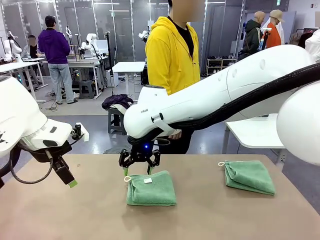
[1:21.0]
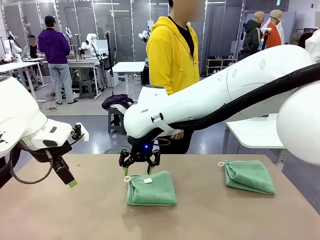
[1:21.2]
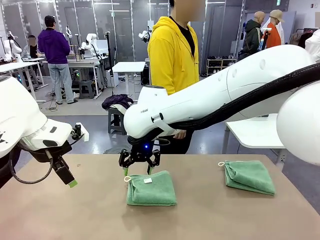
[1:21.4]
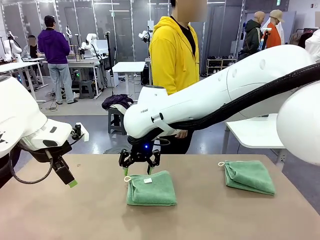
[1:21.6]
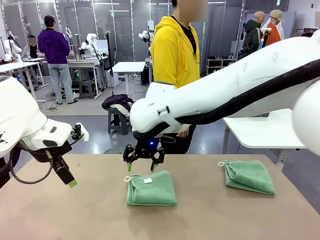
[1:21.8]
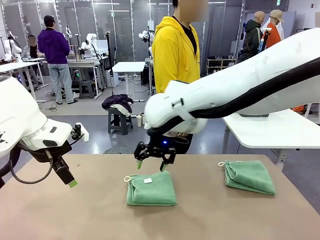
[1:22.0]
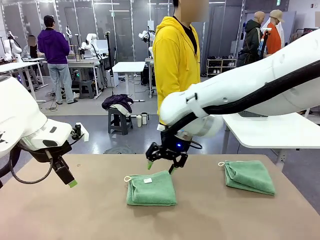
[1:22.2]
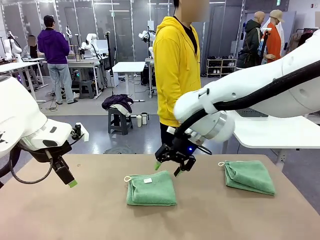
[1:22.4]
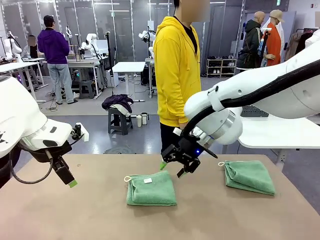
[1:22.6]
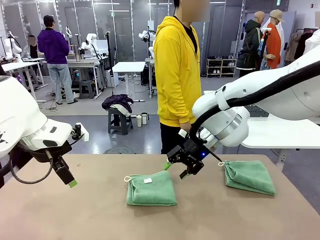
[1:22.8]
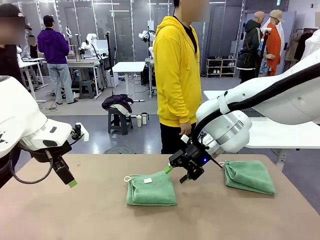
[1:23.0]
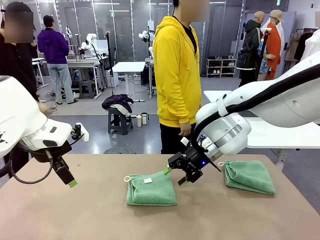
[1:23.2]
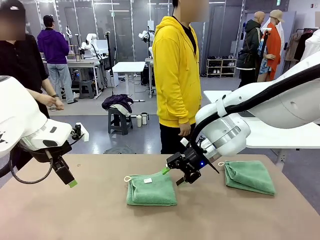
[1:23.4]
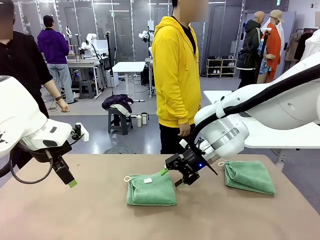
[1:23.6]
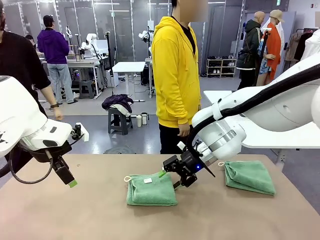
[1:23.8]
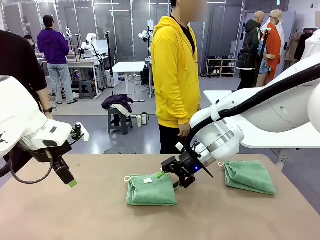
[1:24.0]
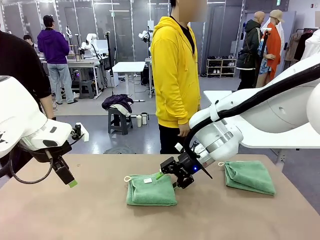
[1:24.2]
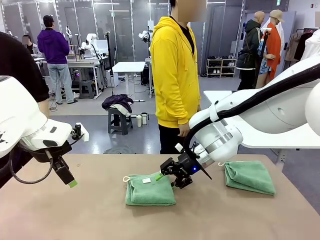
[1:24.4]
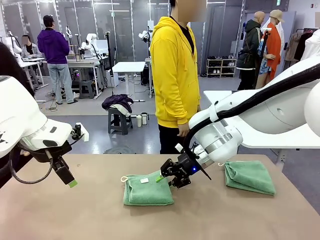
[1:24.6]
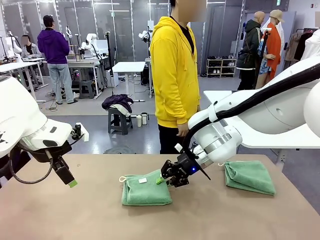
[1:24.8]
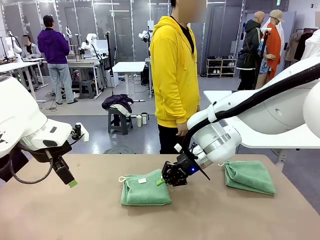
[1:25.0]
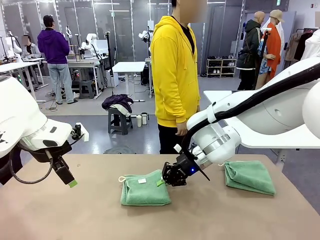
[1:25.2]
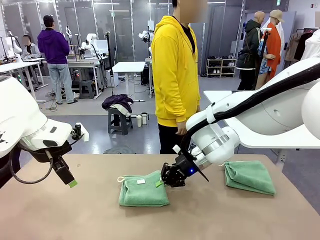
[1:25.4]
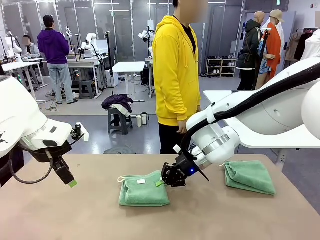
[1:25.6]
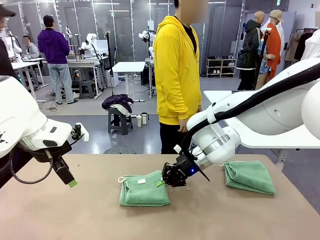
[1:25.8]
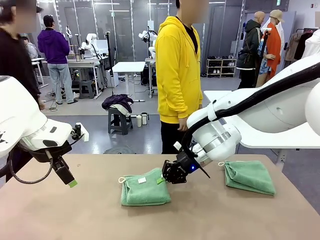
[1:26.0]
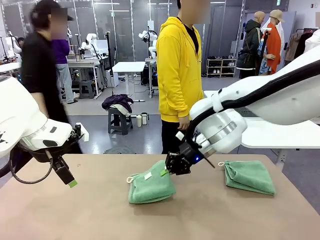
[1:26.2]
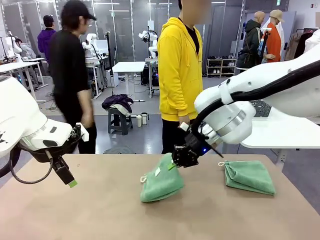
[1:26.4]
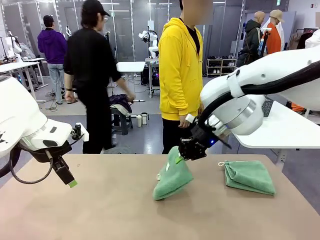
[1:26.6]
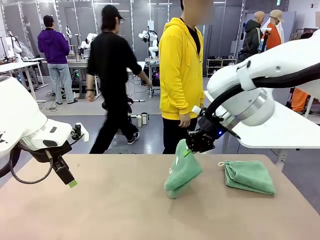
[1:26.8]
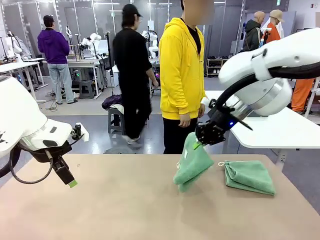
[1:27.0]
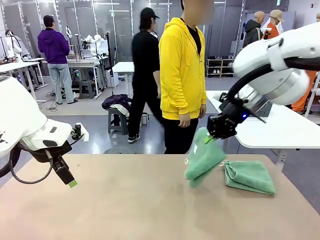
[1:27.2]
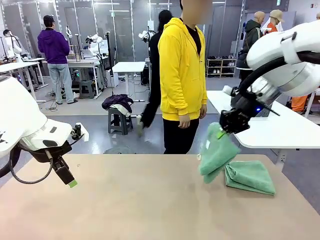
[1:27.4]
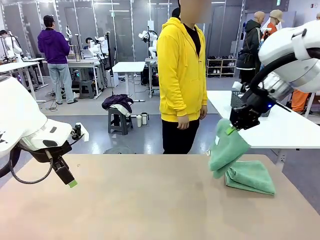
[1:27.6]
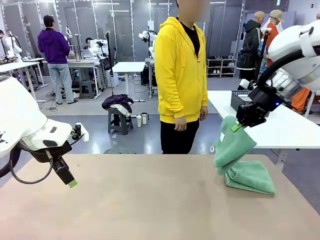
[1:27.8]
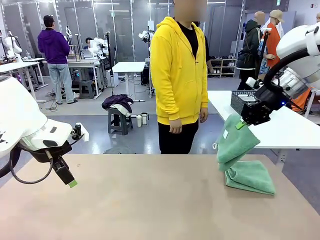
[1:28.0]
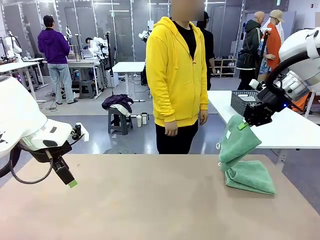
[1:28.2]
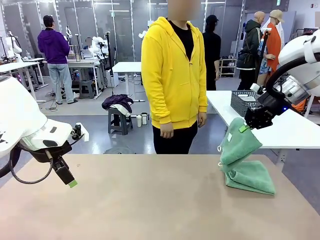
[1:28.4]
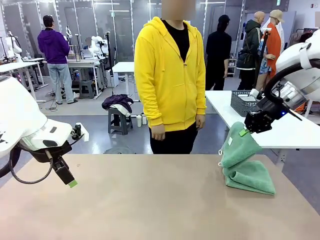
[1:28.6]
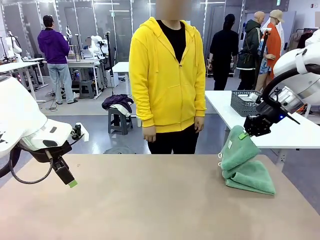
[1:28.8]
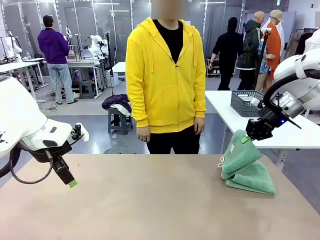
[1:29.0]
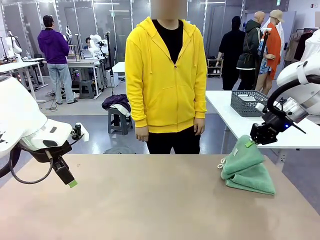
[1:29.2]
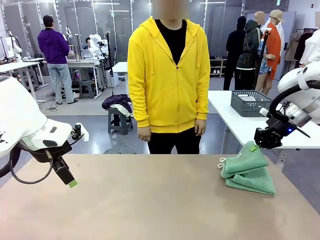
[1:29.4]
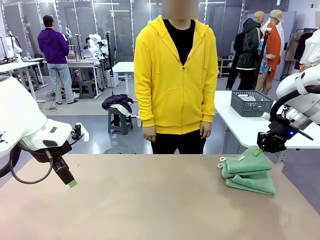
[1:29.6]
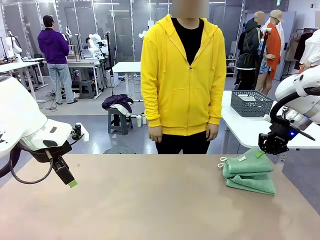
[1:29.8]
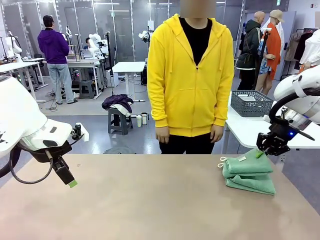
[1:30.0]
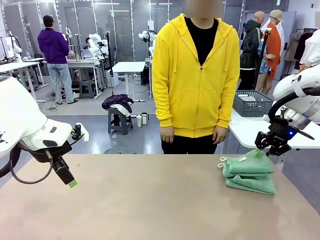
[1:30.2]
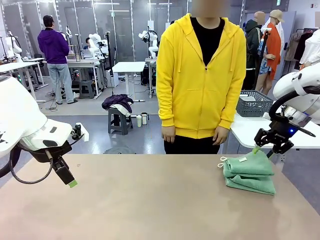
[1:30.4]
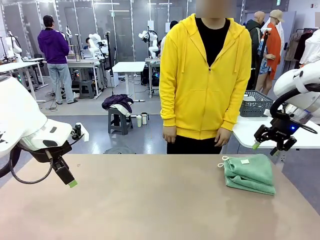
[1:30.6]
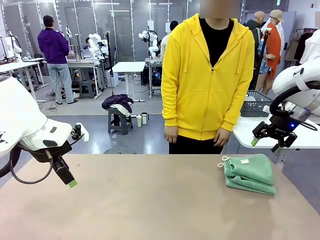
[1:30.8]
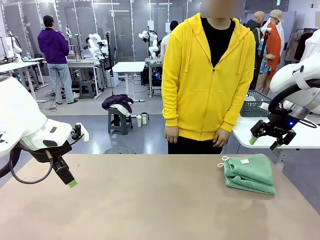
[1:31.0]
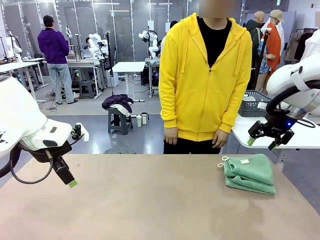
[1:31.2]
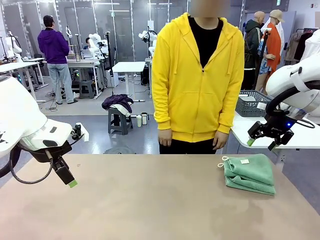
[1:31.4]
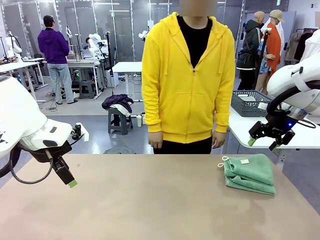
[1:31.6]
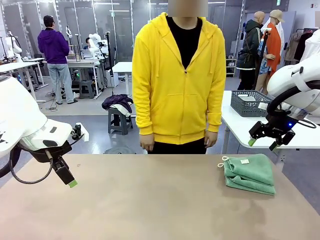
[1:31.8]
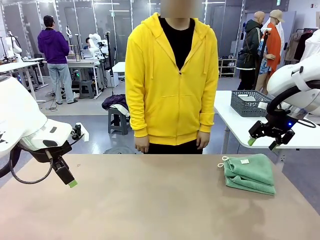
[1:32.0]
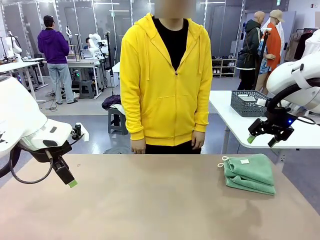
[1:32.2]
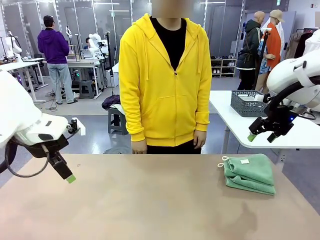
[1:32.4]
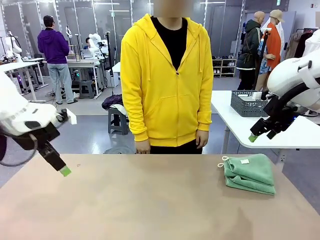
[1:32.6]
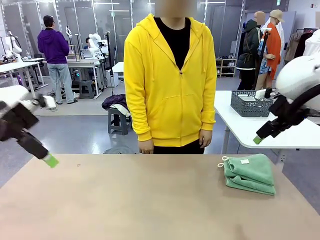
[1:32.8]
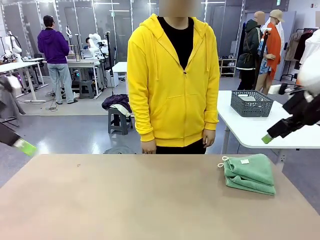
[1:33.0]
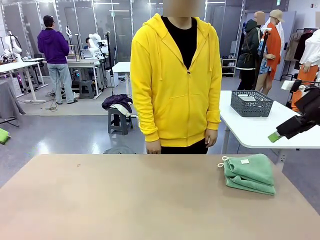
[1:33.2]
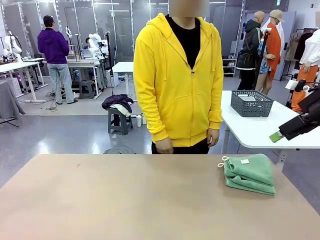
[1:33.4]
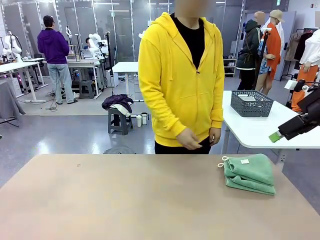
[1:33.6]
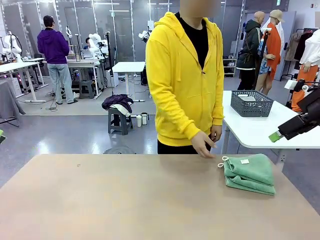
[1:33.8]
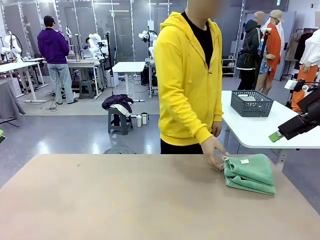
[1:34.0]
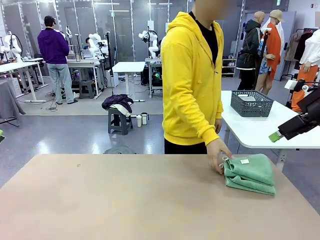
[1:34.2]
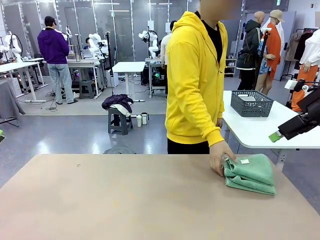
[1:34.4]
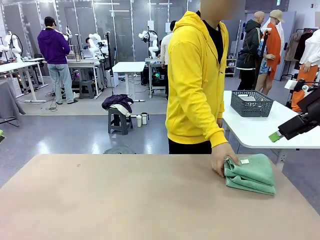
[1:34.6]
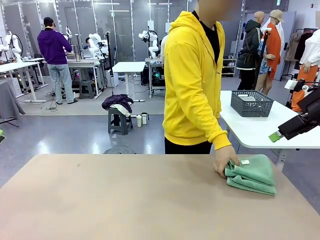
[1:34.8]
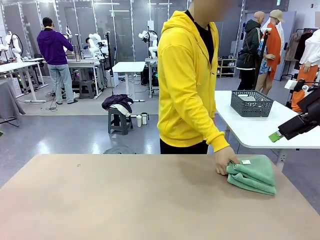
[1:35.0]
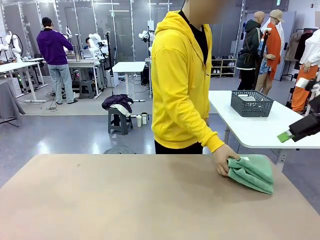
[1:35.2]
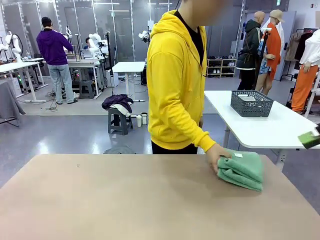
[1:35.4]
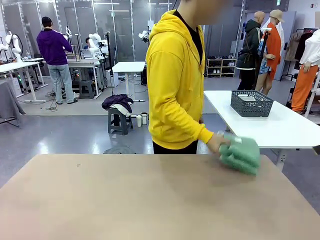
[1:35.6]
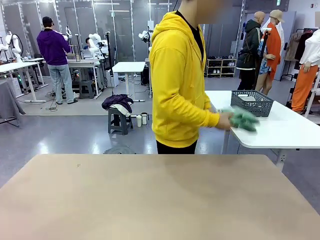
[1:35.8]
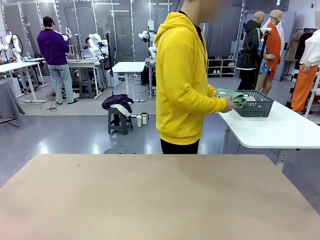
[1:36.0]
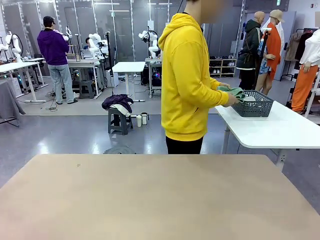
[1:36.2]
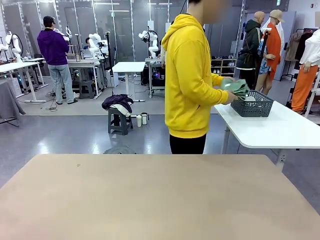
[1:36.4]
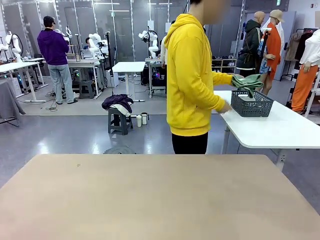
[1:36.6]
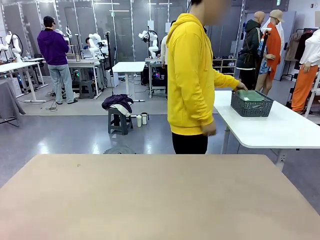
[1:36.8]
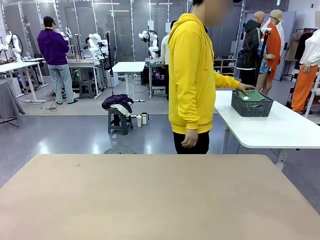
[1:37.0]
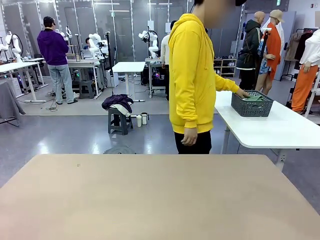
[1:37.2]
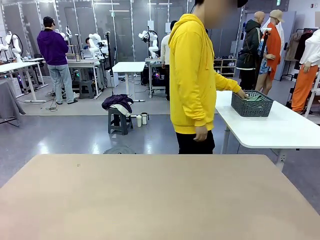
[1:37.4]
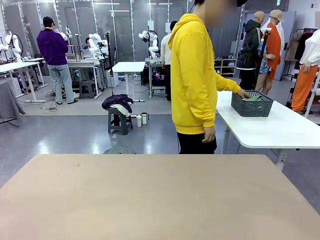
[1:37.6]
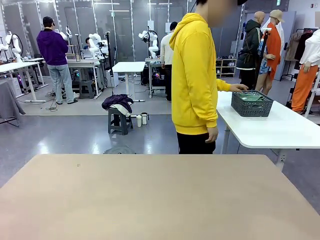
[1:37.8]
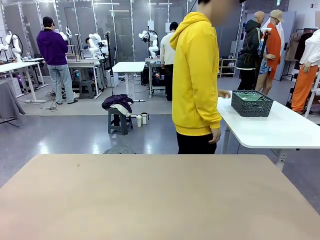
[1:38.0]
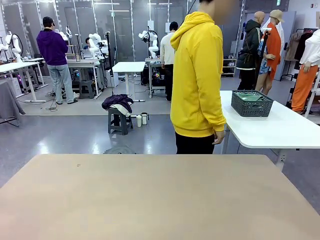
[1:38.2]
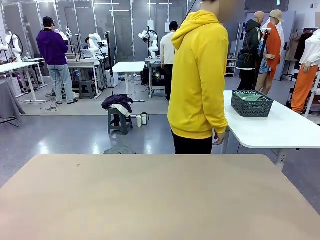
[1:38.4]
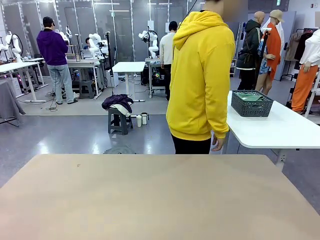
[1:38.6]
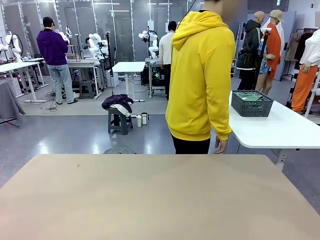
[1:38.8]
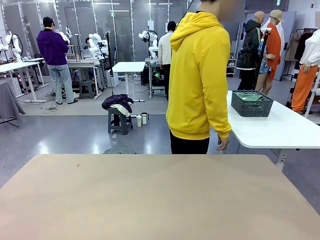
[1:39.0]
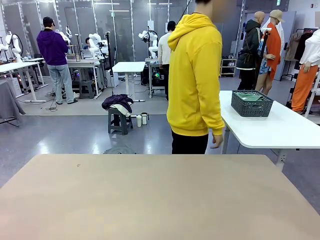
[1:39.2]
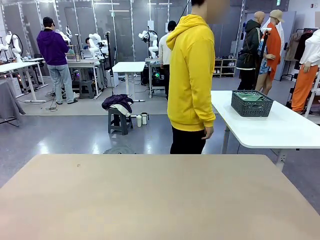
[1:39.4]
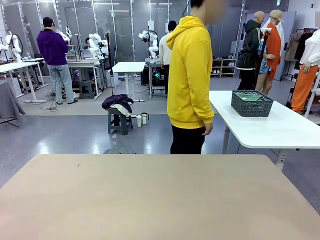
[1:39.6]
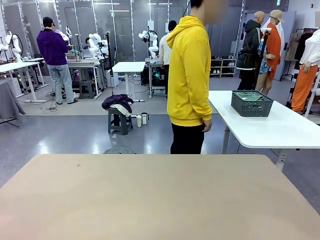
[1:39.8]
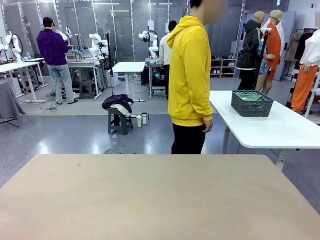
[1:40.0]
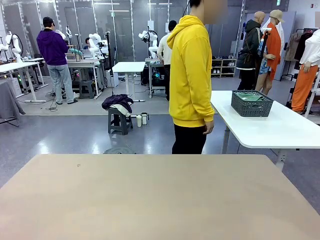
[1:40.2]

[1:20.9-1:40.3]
Task: Fold the towels and place them in the basket.
Robot: Stack the folded Towel with hook on the right side of the table.
Person: Pick up the stack of towels from the robot table and place it into the basket.
